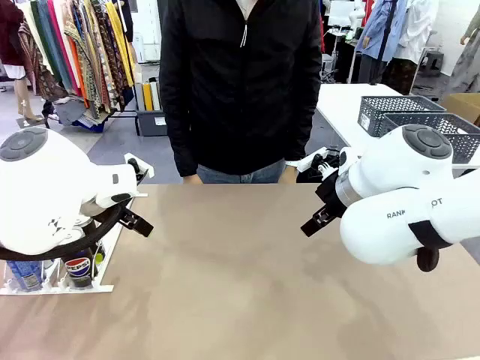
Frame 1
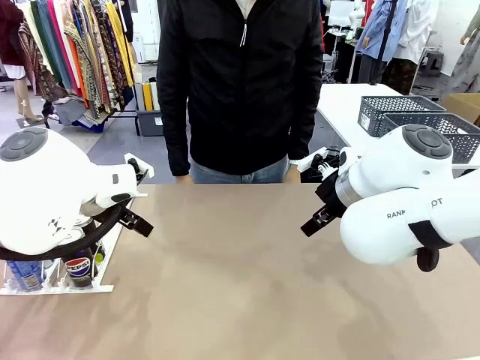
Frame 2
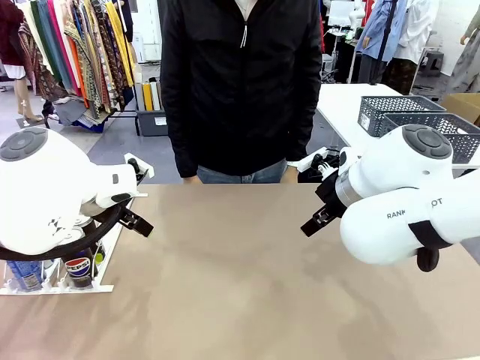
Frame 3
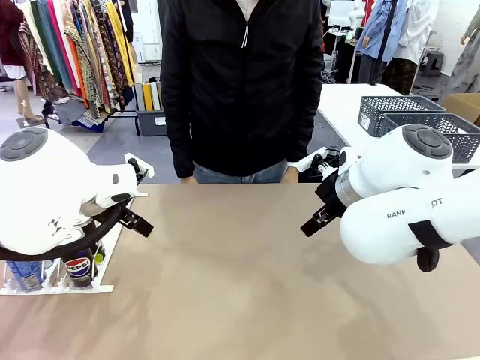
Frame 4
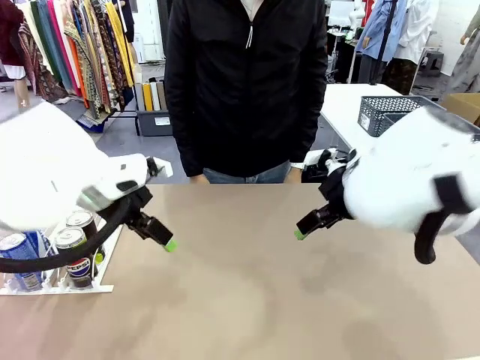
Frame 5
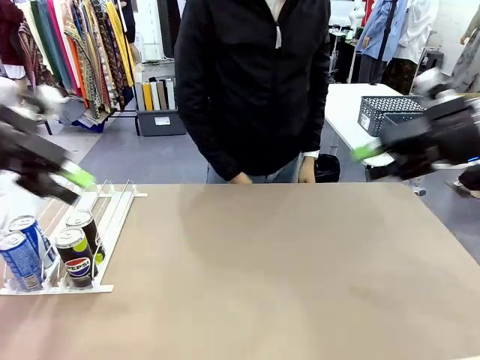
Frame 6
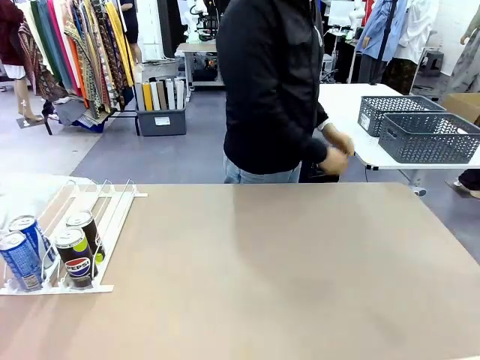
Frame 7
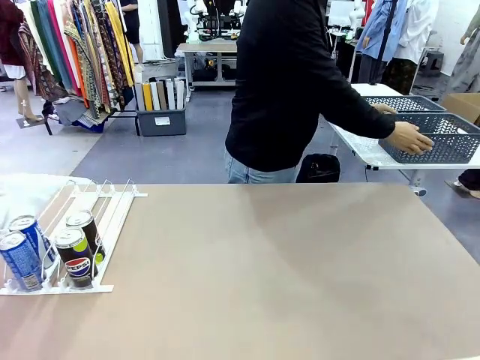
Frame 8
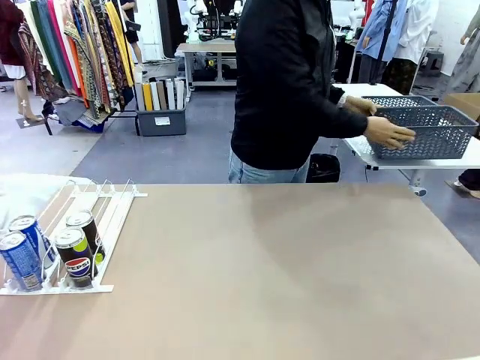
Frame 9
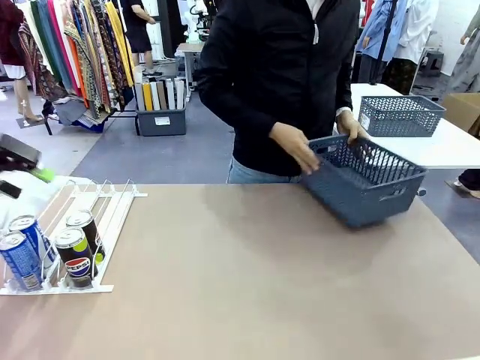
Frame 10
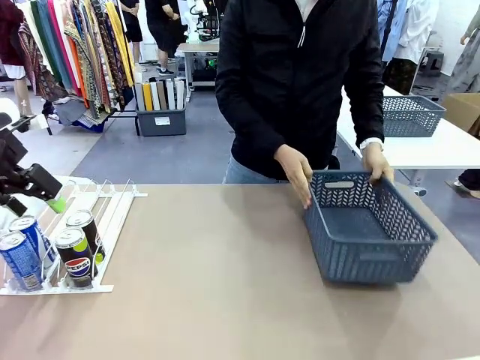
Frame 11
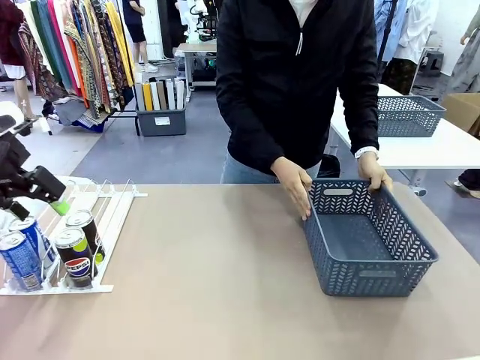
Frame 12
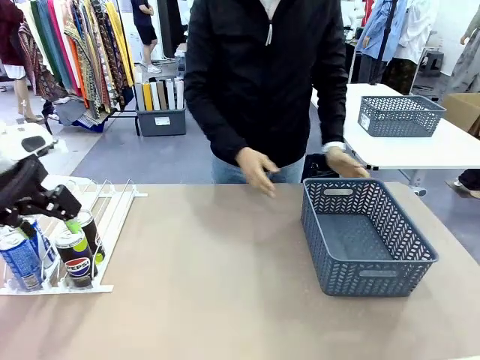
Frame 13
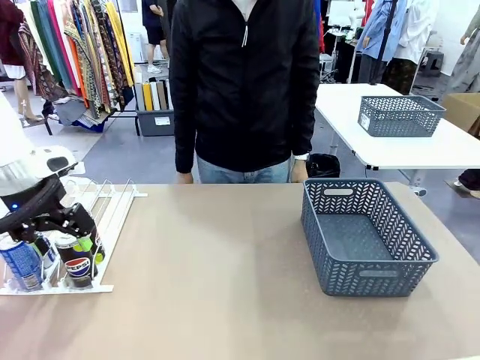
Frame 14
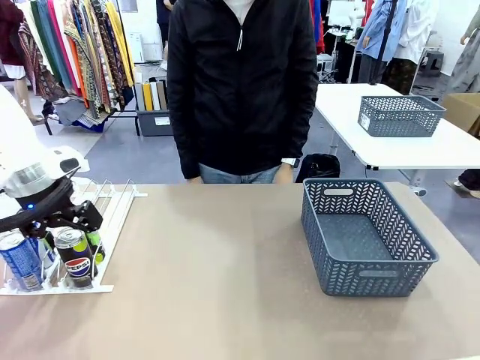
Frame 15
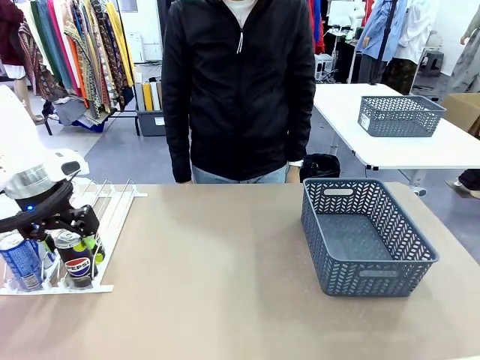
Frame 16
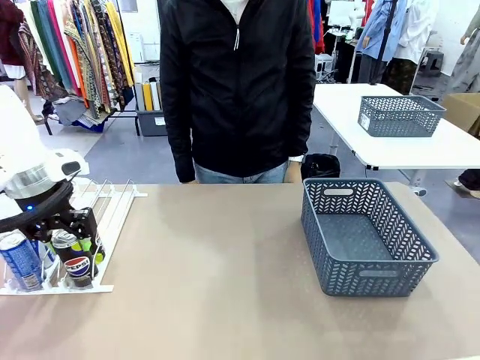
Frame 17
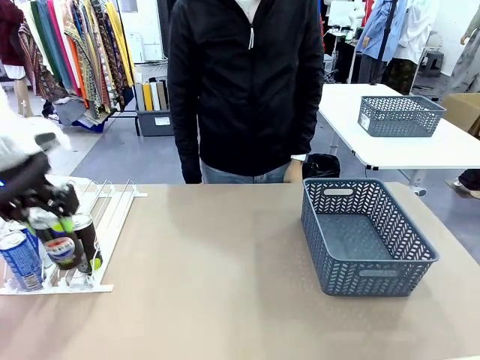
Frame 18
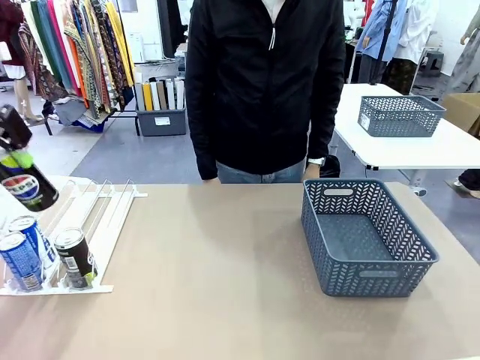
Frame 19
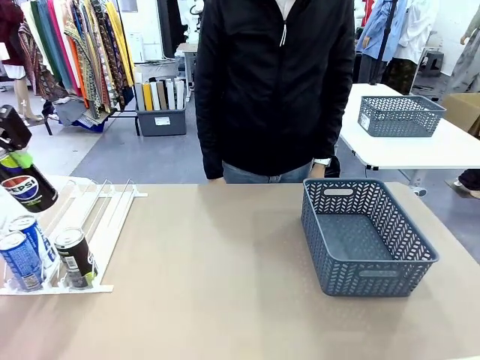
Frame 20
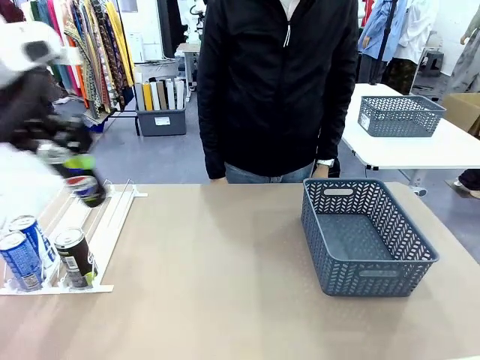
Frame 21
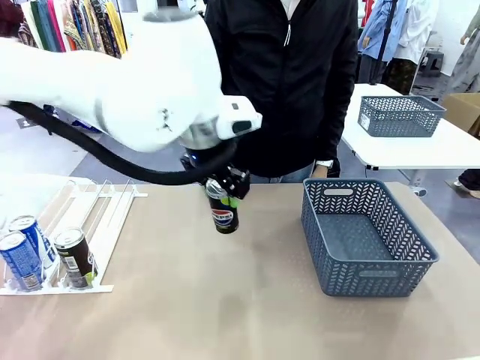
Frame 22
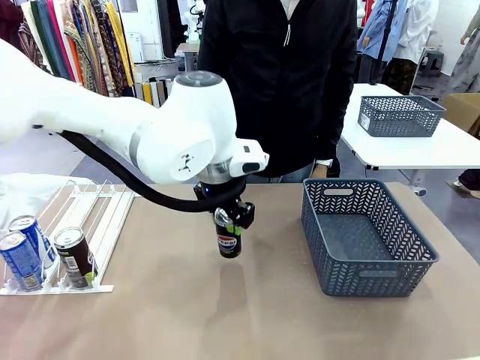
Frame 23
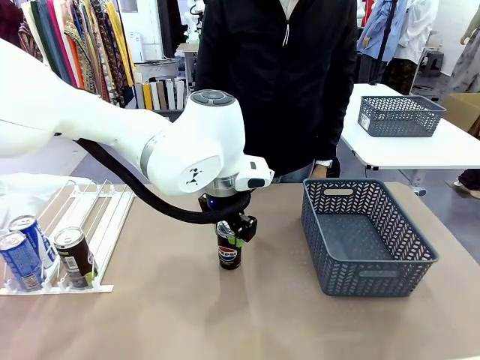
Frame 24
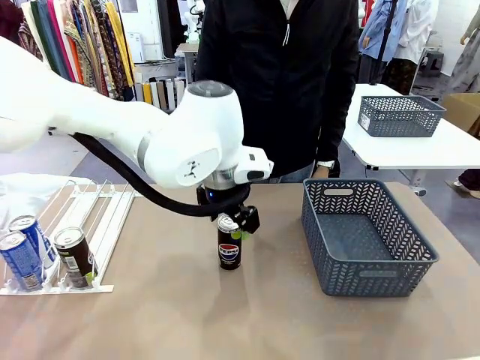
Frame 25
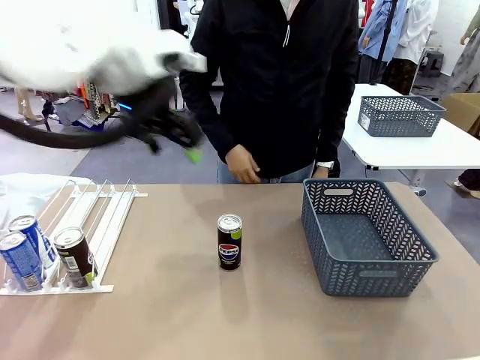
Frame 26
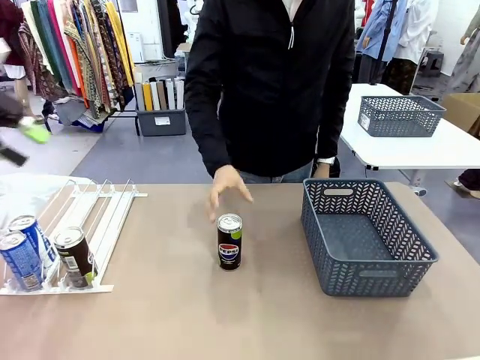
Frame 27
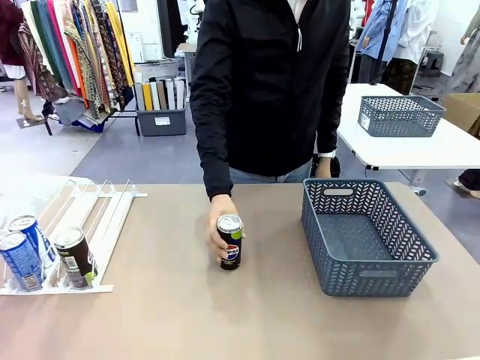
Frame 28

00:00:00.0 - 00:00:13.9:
Task: Retrieve and store the cans from the dispenser.
Robot: Pick up one can from the Automatic Can Dispenser and place it in the middle of the table.
Person: Pick up the basket and place it on the left side of the robot table.

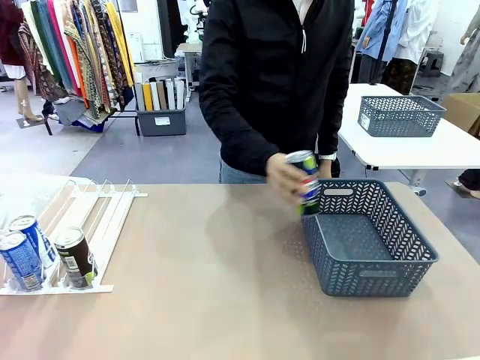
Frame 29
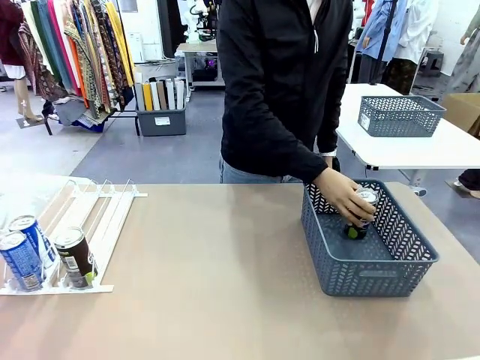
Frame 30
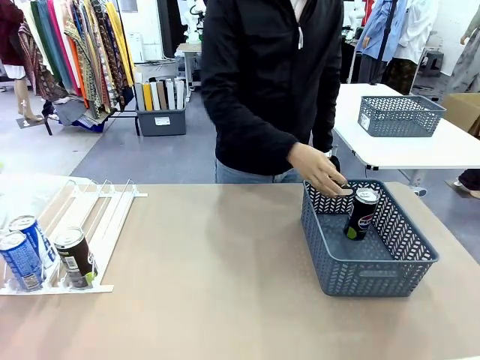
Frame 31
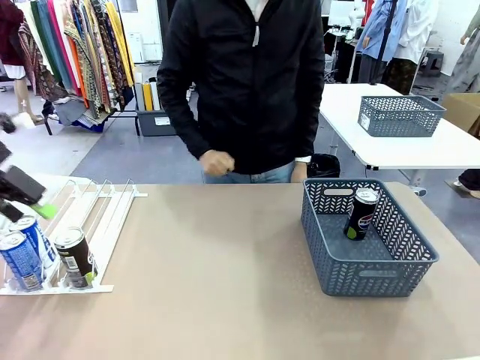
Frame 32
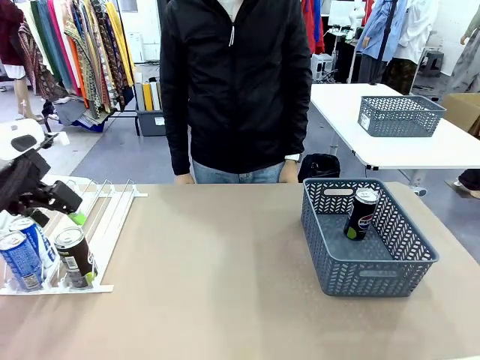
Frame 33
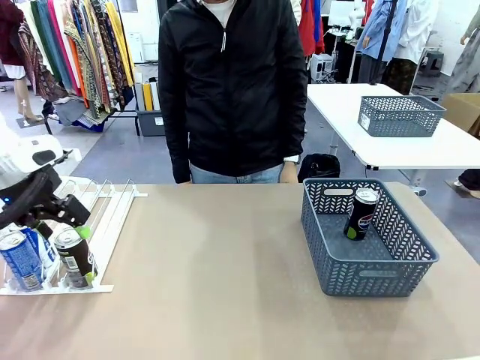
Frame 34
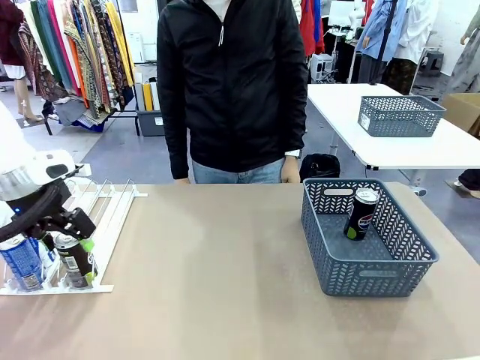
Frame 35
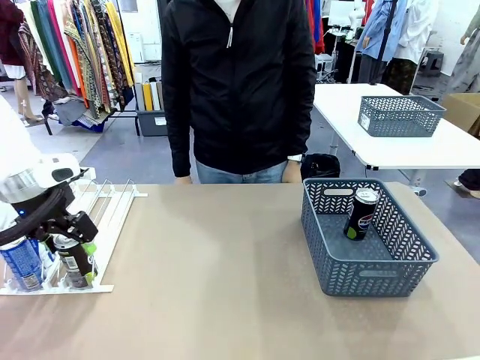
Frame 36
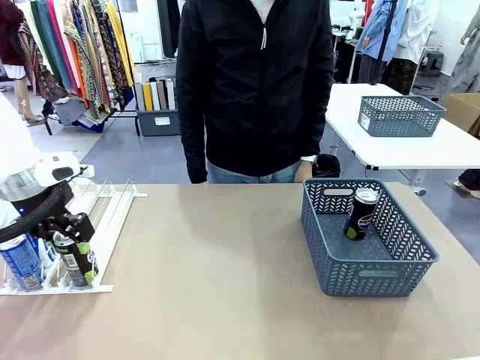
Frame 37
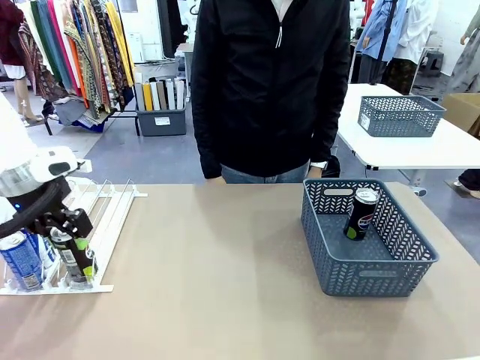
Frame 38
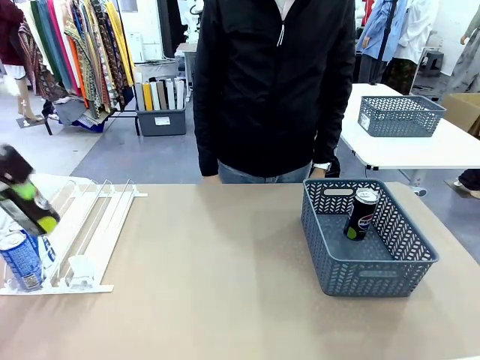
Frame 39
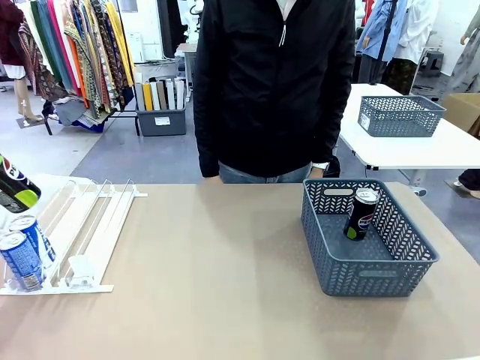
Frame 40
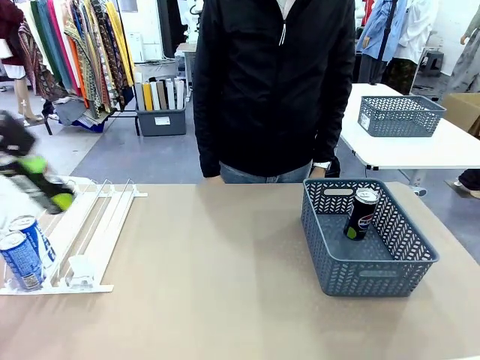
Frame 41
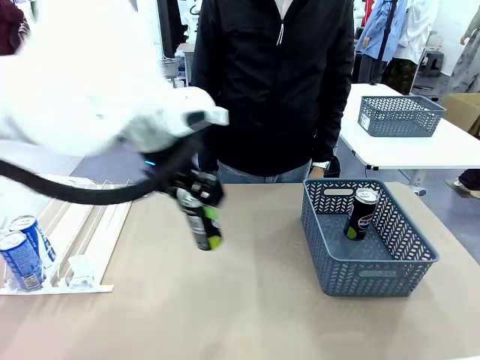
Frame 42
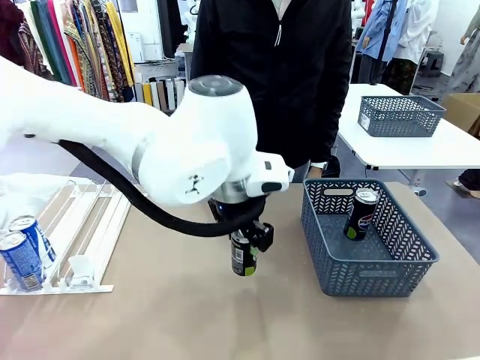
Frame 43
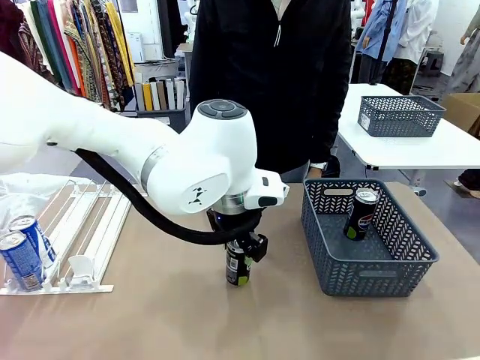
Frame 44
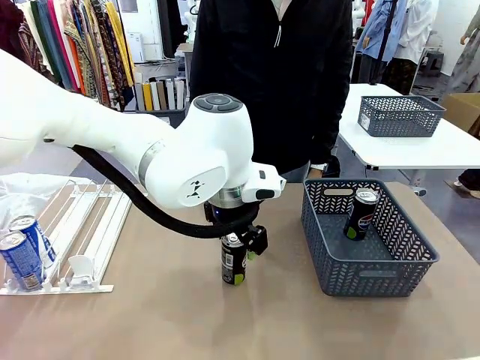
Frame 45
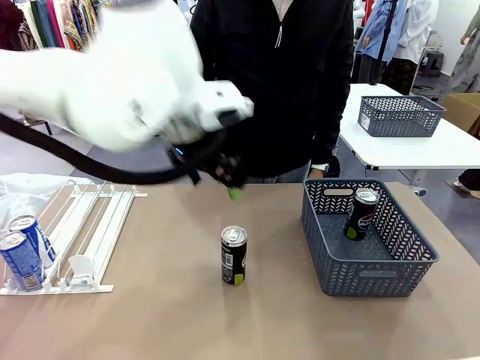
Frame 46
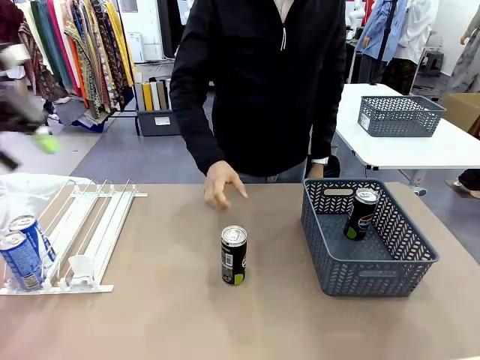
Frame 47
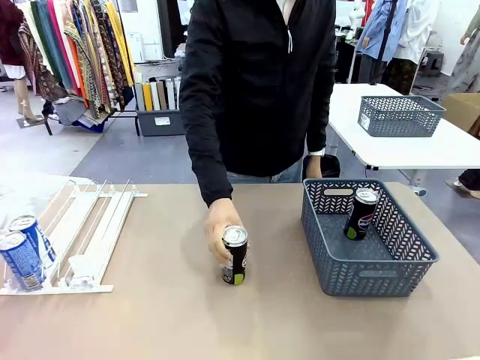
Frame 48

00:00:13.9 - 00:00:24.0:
Robot: Pick up the last remaining can from one row of the Automatic Can Dispenser and place it in the middle of the table.
Person: Pick up one Pepsi can from the middle of the robot table and place it in the basket.
